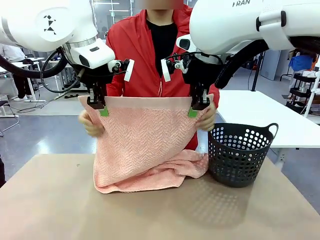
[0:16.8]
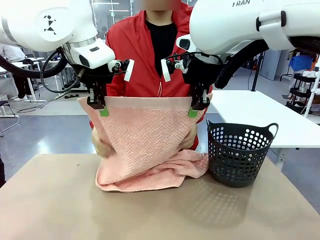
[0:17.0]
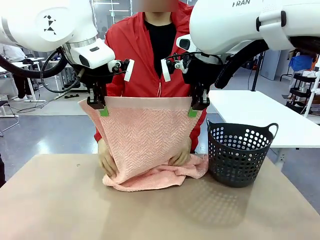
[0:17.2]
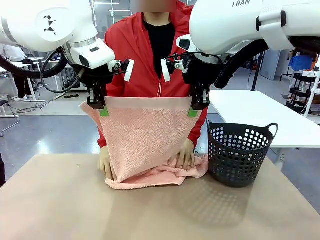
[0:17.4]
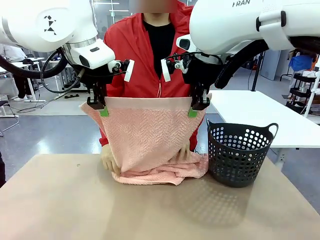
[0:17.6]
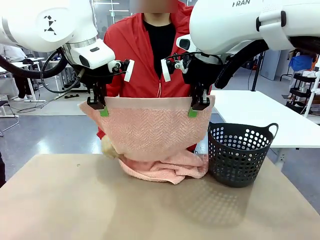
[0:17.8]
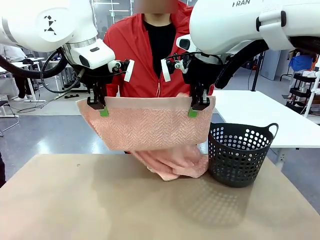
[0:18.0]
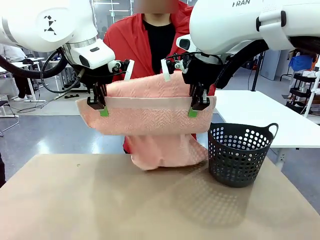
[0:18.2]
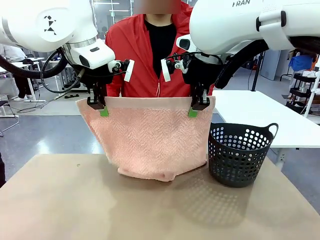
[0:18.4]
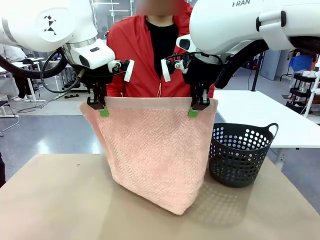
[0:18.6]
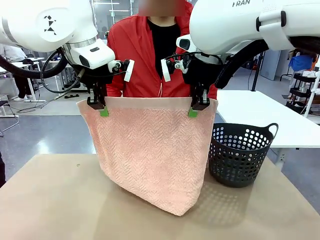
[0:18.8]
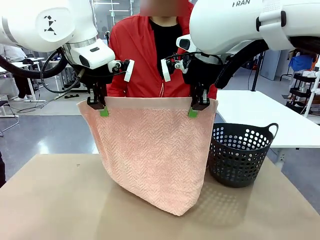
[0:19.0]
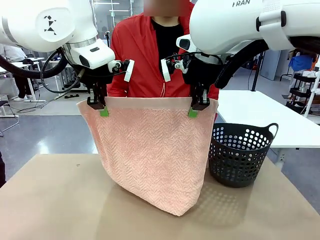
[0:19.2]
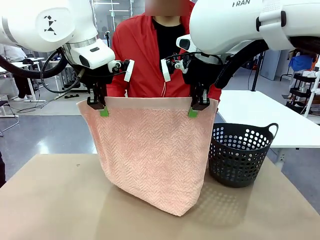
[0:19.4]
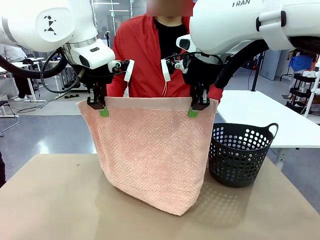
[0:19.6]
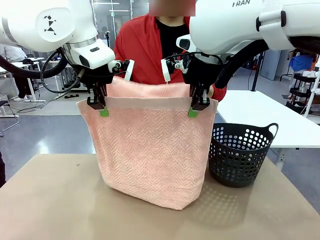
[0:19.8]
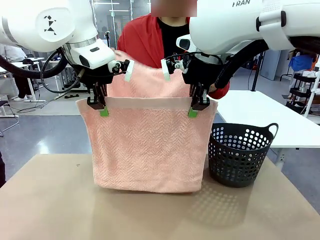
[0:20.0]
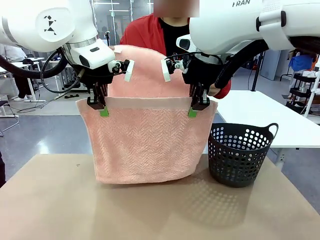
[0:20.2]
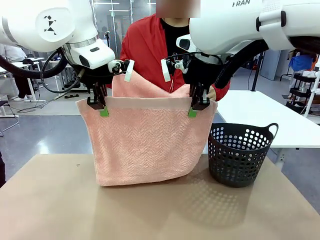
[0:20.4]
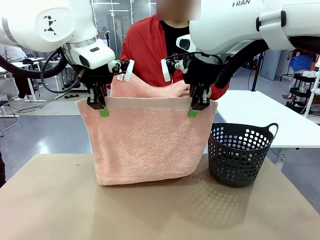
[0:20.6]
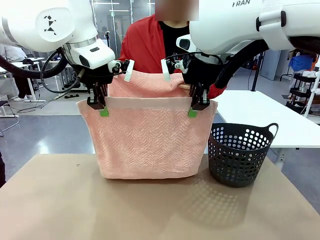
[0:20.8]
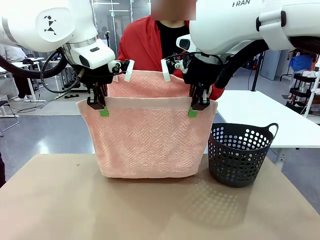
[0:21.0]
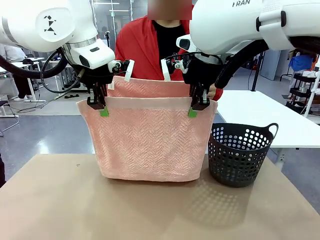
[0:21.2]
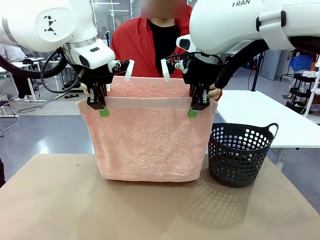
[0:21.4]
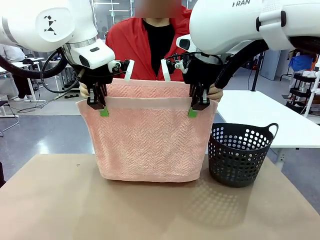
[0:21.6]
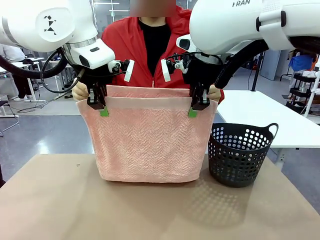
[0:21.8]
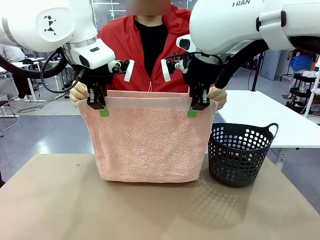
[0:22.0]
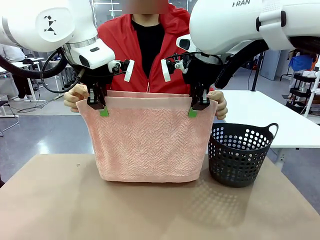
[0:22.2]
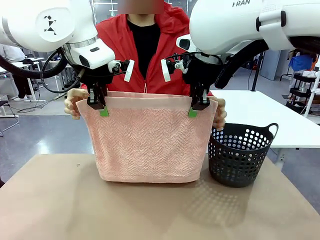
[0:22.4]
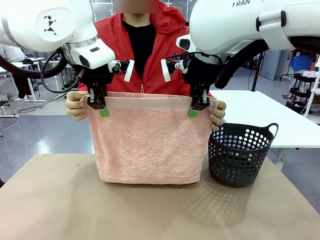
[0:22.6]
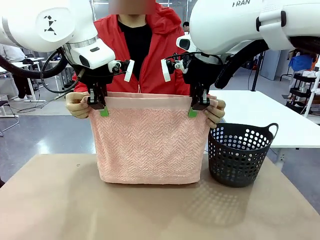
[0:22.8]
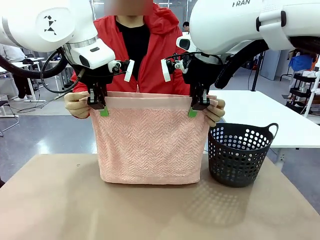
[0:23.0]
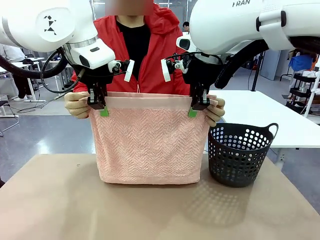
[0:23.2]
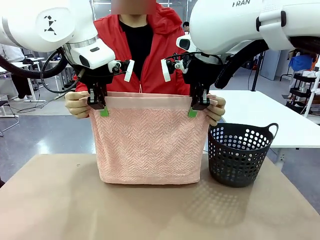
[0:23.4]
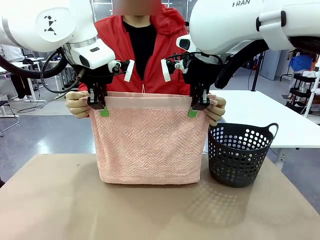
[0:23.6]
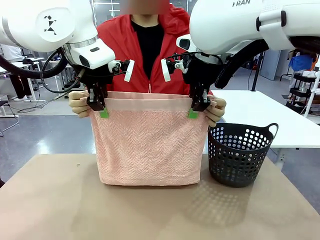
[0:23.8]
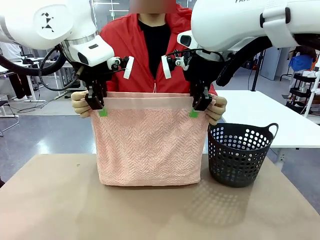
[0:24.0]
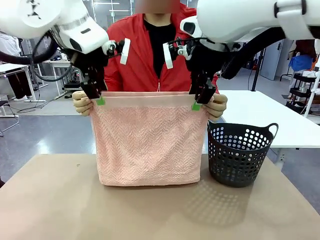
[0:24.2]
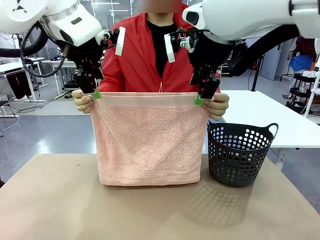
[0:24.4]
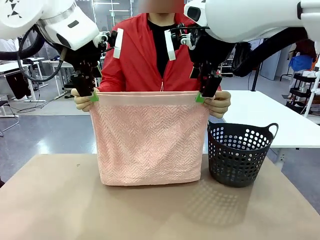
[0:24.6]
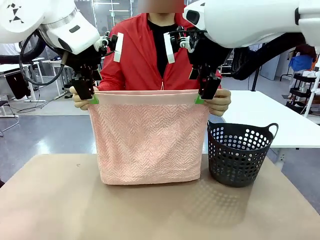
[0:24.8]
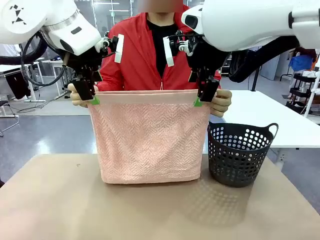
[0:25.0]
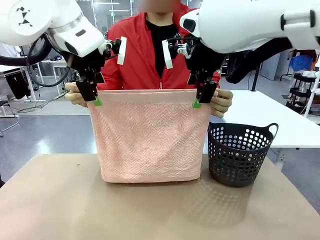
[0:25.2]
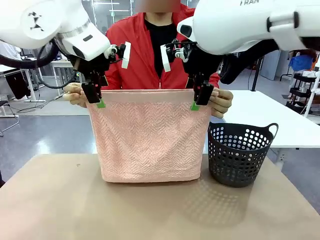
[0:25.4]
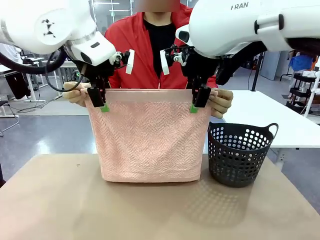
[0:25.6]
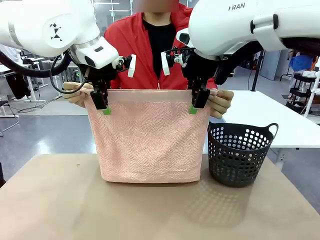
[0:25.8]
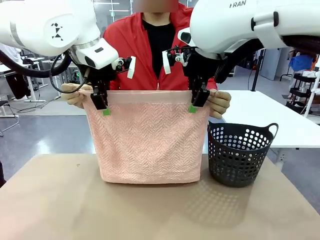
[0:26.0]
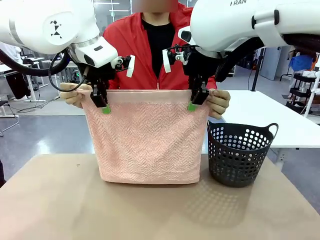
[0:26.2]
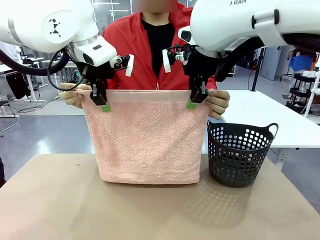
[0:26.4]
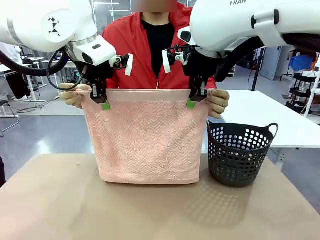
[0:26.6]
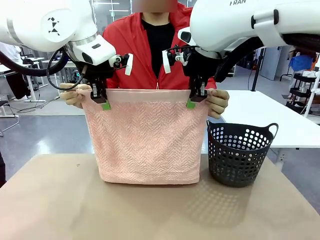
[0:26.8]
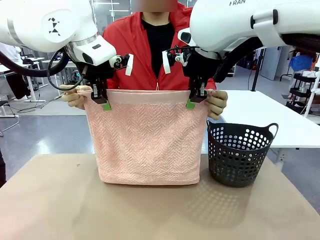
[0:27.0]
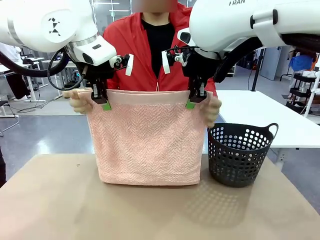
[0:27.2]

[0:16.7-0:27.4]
Task: Fold the towel.
Robot: Release the end of the 100 cm Hotel Towel you were holding and grab the top end of the folded side.
Person: Using the point held by the robot as a reference, grasp the opposite end, fold the towel in half, and then hold both ends of the folded towel.

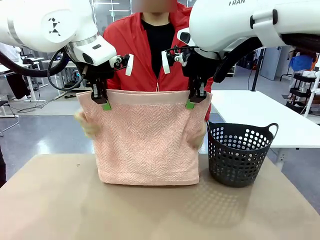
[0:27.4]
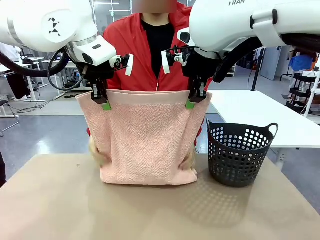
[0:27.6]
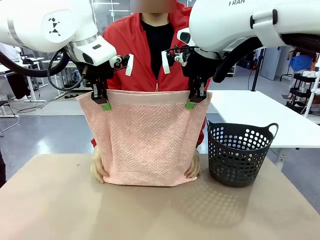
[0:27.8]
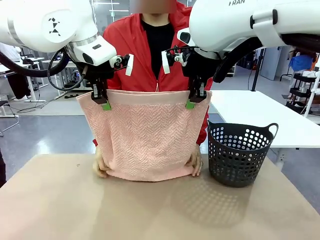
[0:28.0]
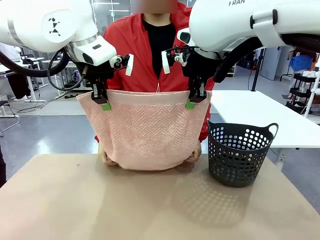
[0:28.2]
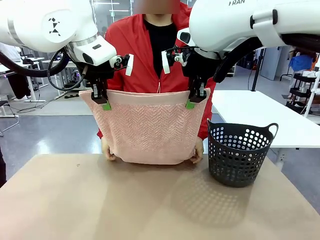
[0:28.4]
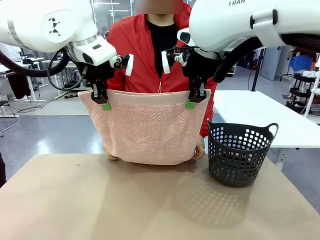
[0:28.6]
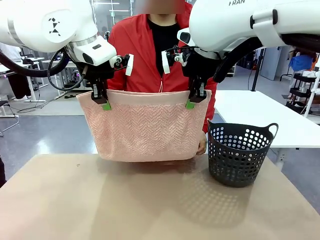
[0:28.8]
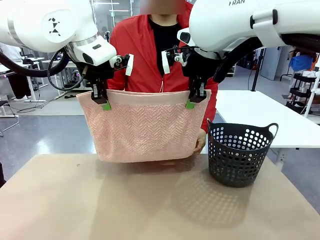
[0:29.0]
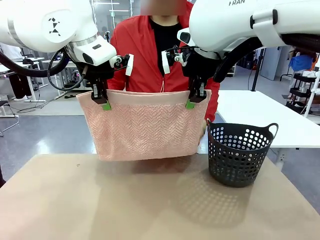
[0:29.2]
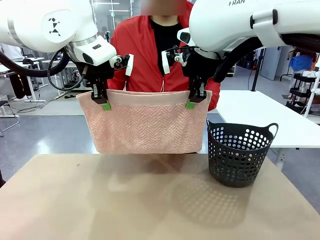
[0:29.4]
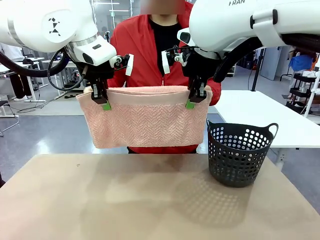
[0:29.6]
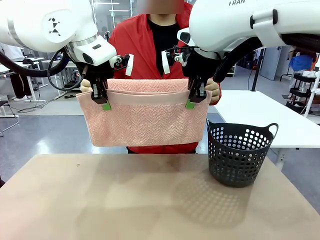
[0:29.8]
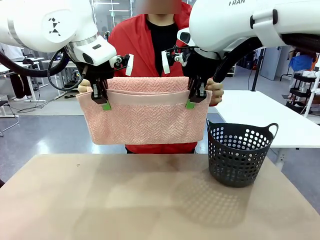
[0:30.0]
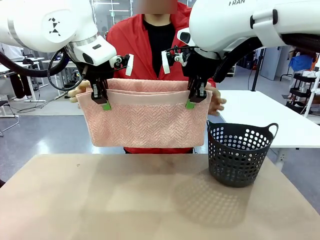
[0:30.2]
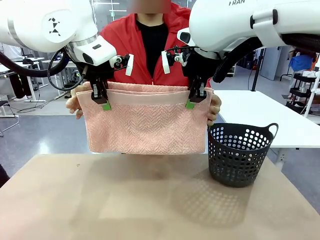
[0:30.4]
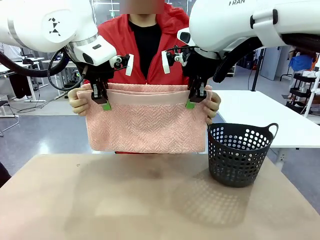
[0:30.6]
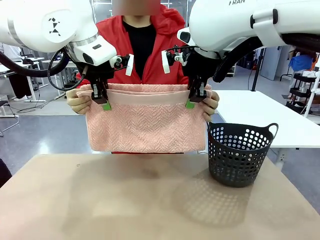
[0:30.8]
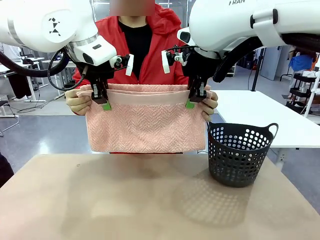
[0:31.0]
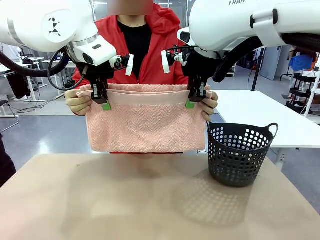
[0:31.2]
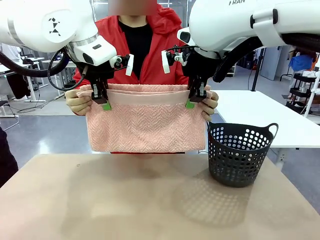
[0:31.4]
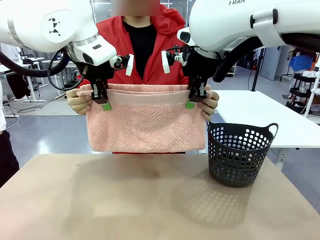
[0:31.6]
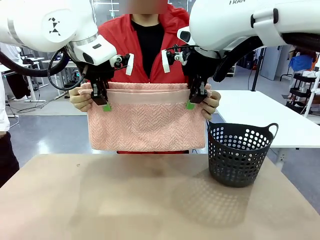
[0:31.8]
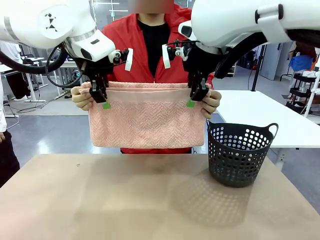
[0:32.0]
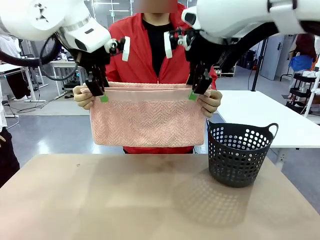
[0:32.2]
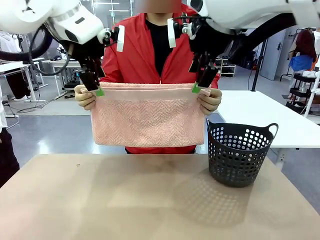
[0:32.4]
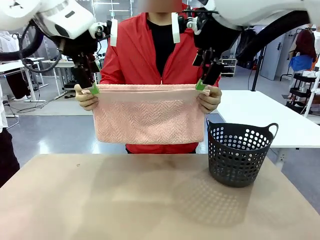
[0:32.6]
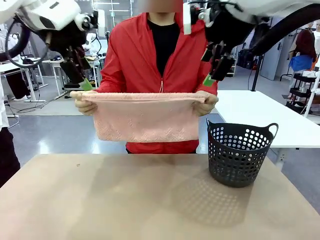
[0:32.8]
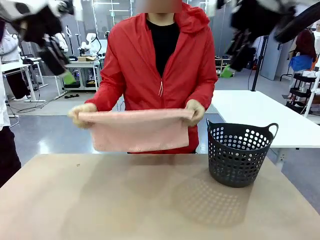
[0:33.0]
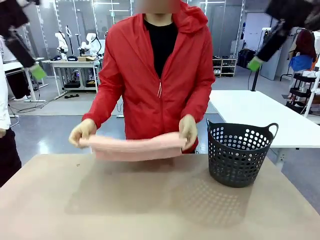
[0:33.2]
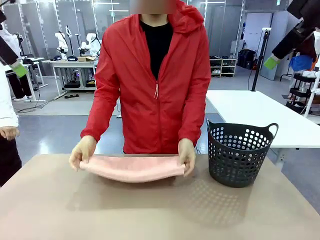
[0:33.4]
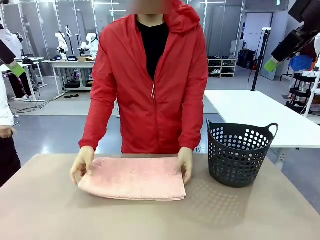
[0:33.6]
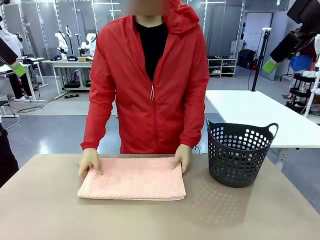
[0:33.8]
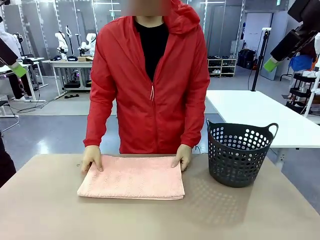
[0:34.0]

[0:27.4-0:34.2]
Robot: Release the end of the 100 cm Hotel Towel you were holding.
Person: Place the towel at the center of the robot table and fold it in half.
